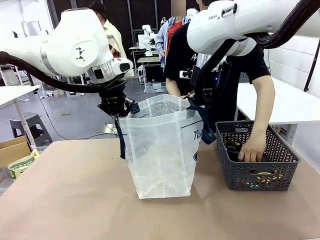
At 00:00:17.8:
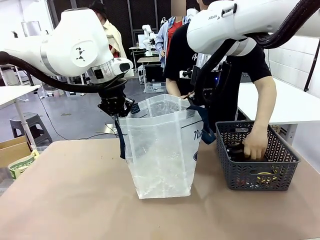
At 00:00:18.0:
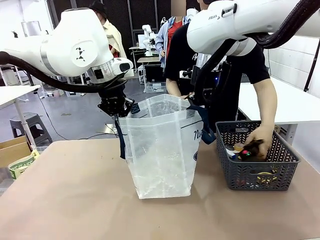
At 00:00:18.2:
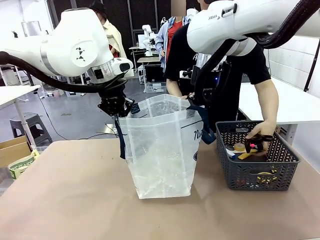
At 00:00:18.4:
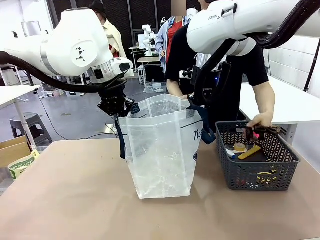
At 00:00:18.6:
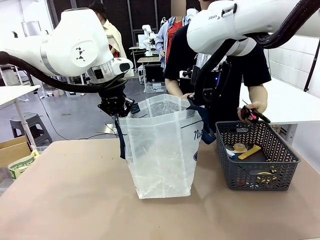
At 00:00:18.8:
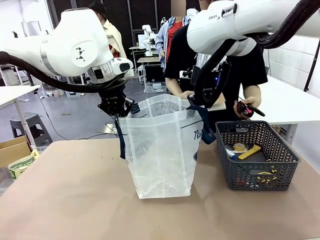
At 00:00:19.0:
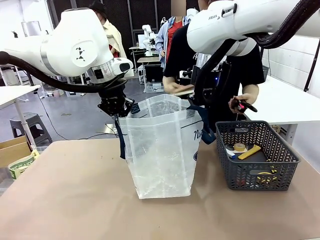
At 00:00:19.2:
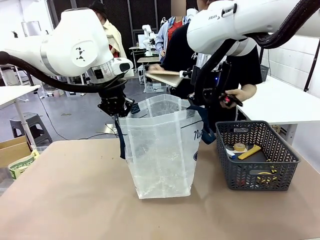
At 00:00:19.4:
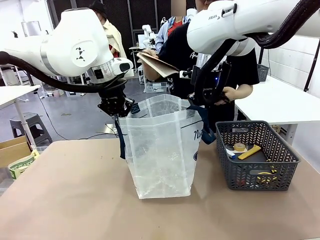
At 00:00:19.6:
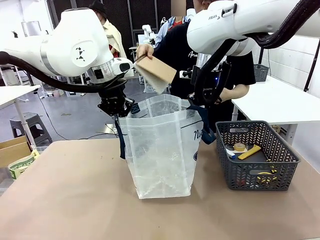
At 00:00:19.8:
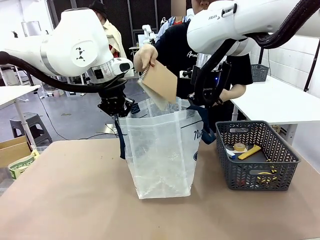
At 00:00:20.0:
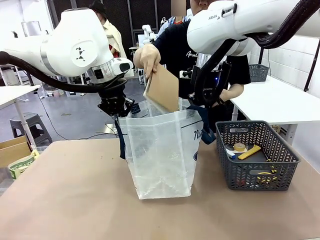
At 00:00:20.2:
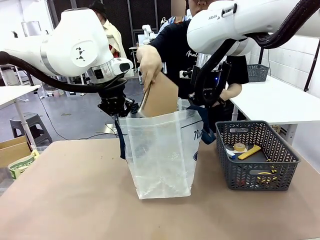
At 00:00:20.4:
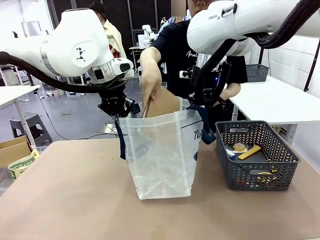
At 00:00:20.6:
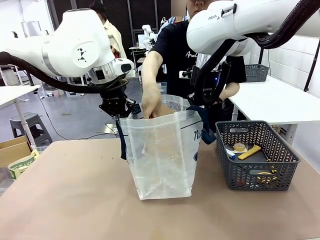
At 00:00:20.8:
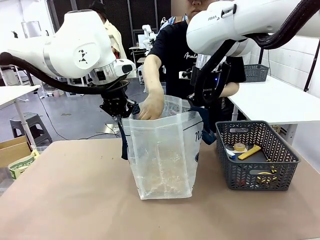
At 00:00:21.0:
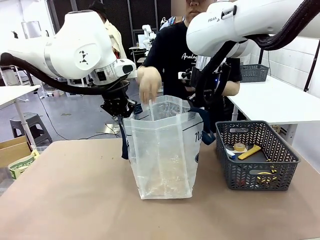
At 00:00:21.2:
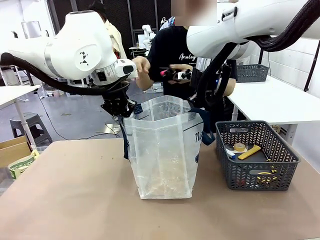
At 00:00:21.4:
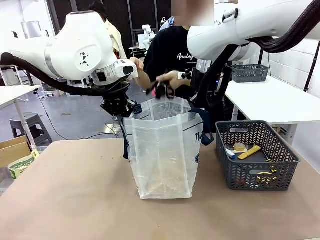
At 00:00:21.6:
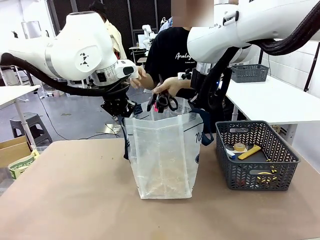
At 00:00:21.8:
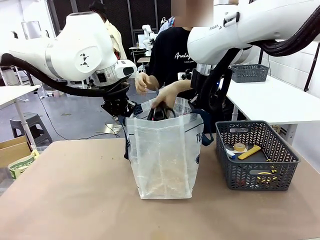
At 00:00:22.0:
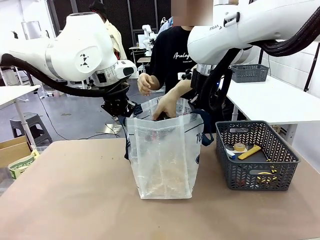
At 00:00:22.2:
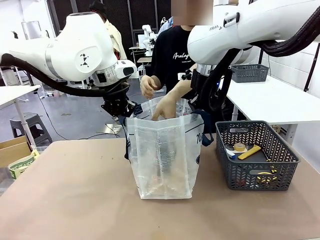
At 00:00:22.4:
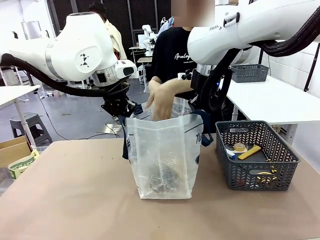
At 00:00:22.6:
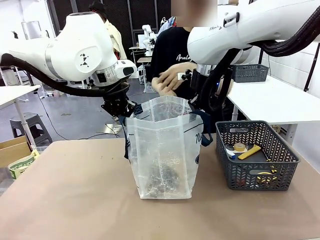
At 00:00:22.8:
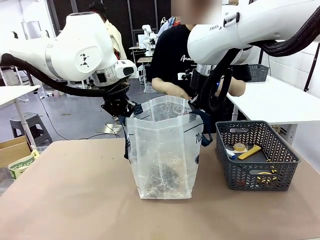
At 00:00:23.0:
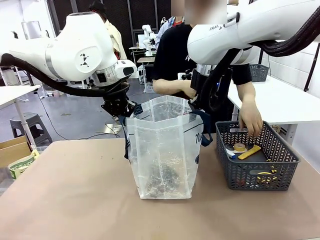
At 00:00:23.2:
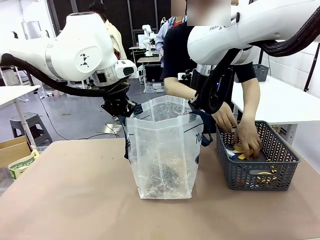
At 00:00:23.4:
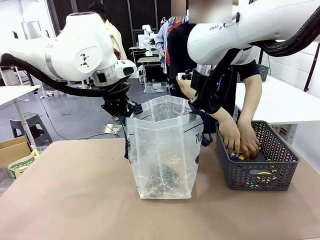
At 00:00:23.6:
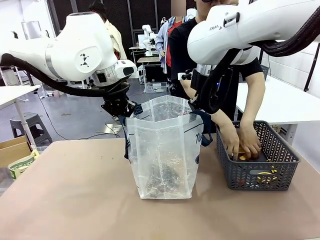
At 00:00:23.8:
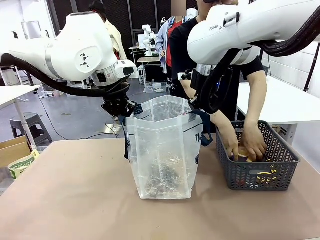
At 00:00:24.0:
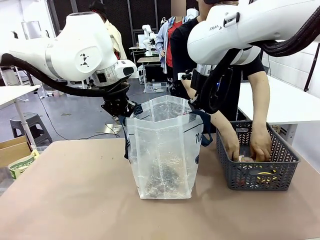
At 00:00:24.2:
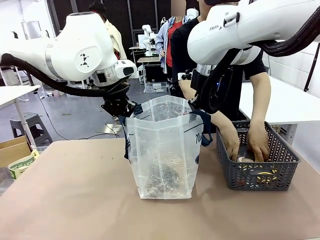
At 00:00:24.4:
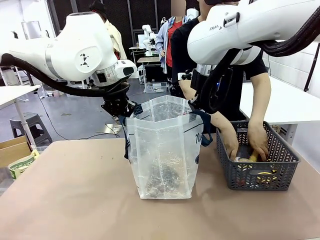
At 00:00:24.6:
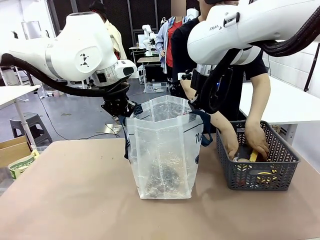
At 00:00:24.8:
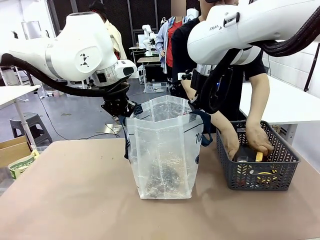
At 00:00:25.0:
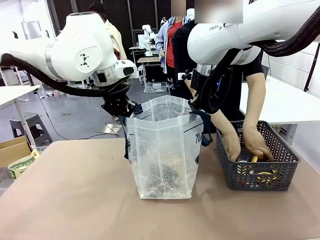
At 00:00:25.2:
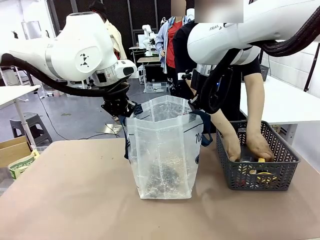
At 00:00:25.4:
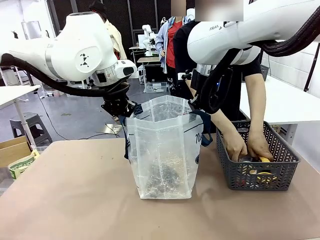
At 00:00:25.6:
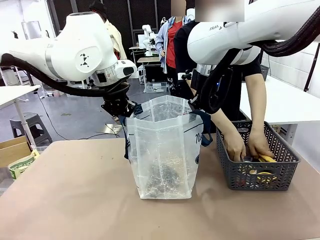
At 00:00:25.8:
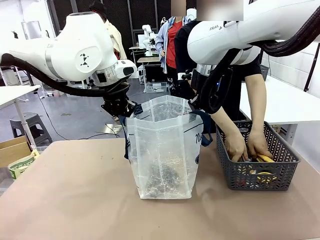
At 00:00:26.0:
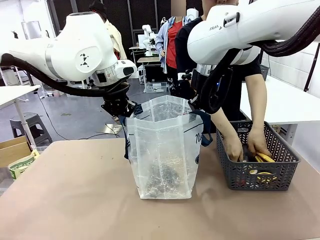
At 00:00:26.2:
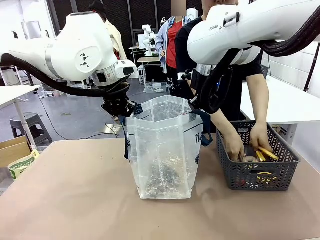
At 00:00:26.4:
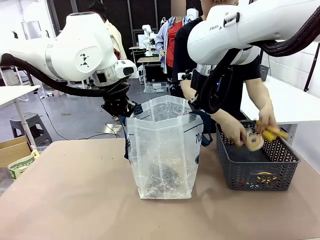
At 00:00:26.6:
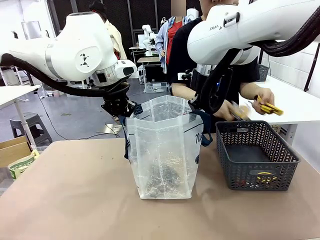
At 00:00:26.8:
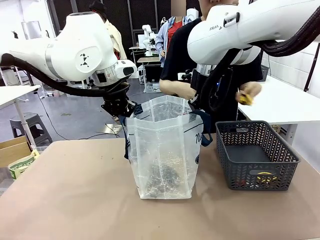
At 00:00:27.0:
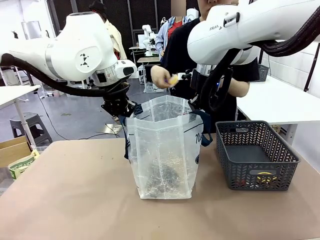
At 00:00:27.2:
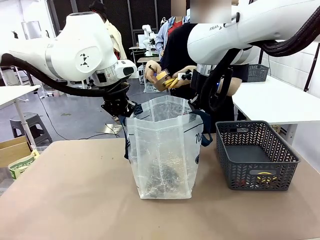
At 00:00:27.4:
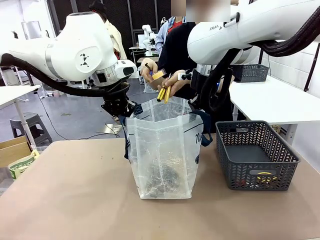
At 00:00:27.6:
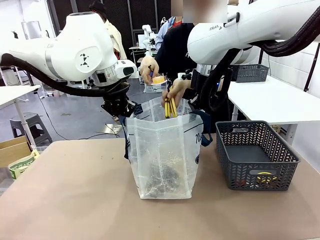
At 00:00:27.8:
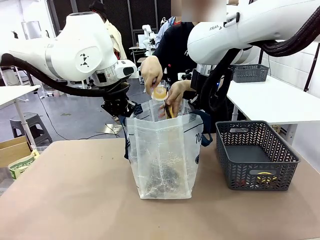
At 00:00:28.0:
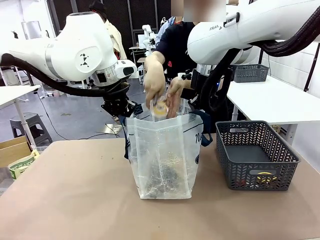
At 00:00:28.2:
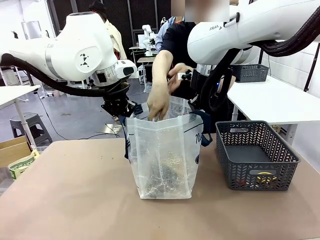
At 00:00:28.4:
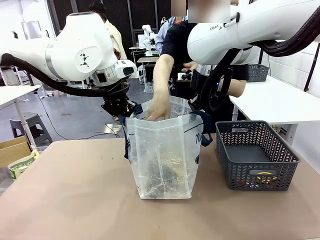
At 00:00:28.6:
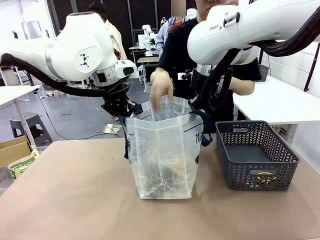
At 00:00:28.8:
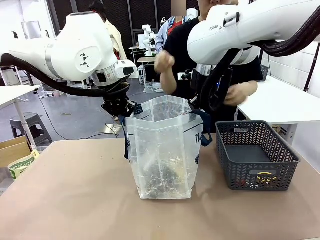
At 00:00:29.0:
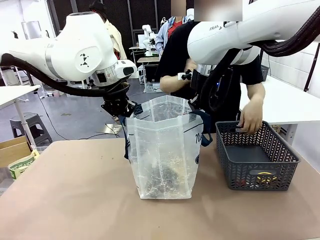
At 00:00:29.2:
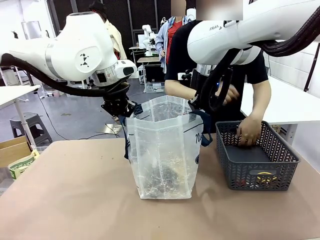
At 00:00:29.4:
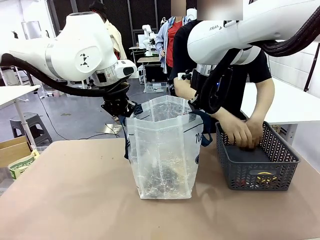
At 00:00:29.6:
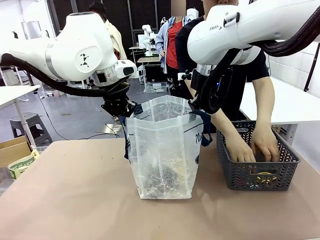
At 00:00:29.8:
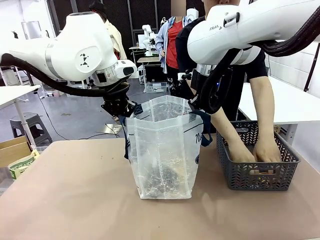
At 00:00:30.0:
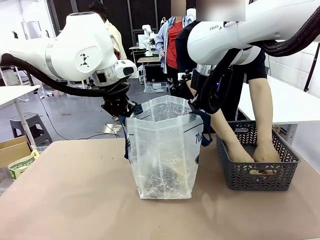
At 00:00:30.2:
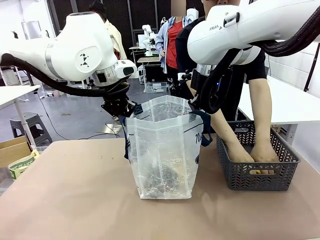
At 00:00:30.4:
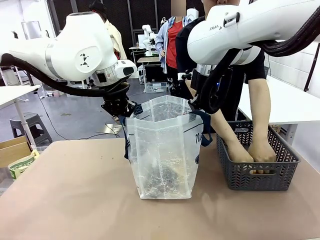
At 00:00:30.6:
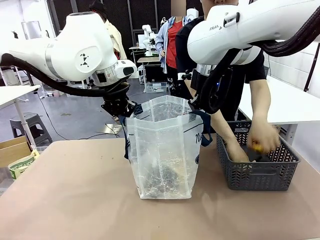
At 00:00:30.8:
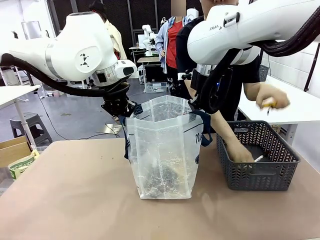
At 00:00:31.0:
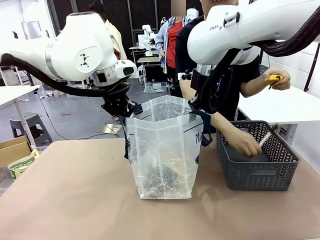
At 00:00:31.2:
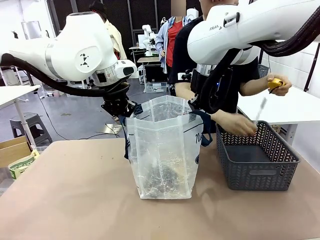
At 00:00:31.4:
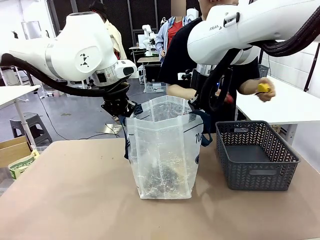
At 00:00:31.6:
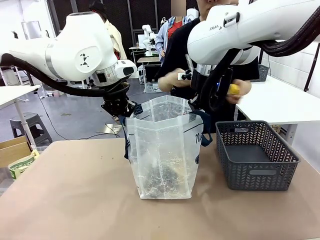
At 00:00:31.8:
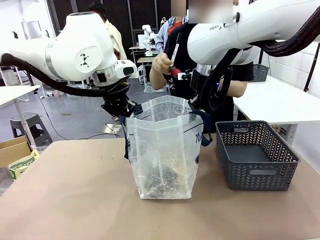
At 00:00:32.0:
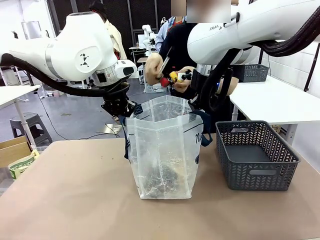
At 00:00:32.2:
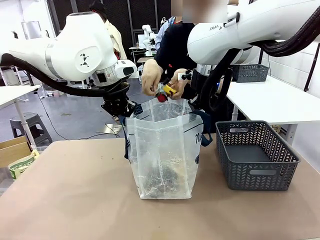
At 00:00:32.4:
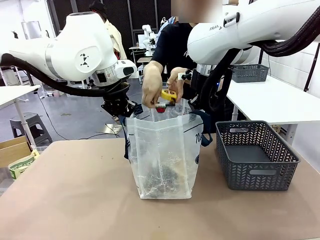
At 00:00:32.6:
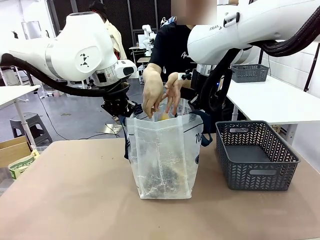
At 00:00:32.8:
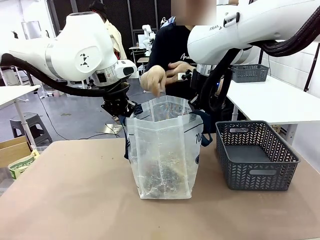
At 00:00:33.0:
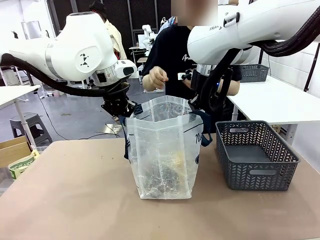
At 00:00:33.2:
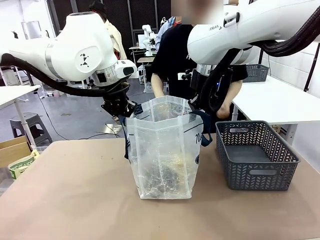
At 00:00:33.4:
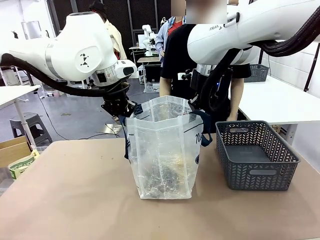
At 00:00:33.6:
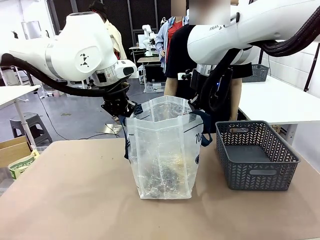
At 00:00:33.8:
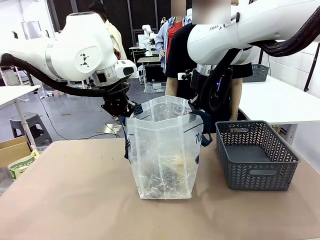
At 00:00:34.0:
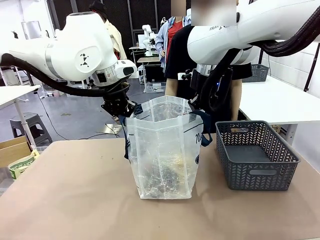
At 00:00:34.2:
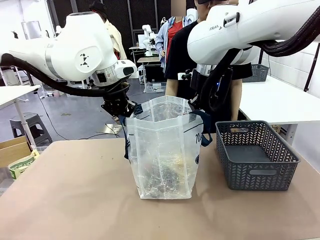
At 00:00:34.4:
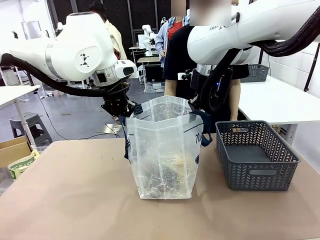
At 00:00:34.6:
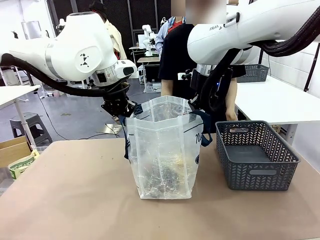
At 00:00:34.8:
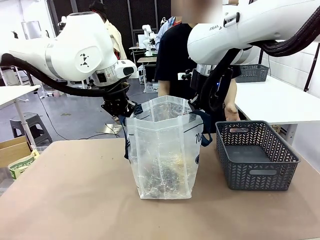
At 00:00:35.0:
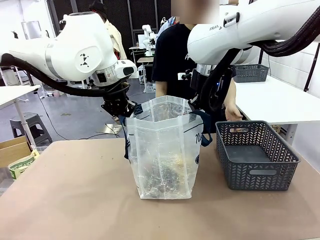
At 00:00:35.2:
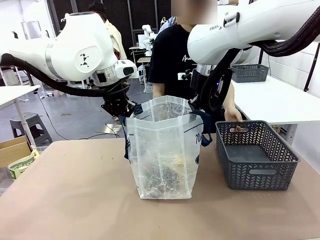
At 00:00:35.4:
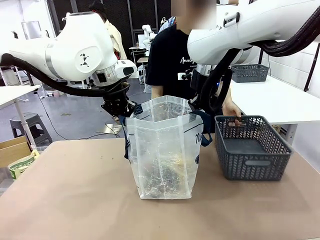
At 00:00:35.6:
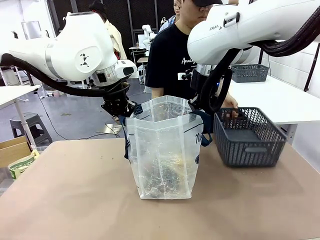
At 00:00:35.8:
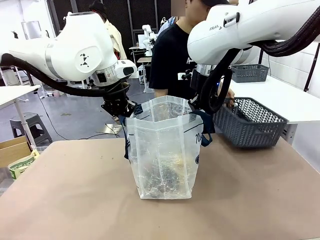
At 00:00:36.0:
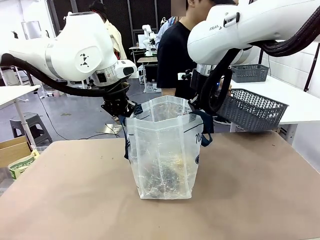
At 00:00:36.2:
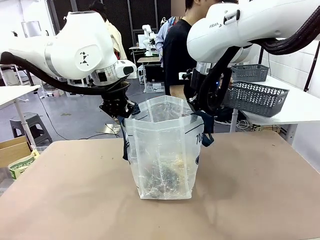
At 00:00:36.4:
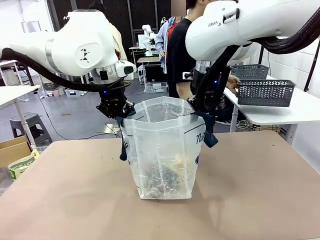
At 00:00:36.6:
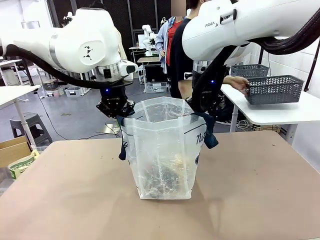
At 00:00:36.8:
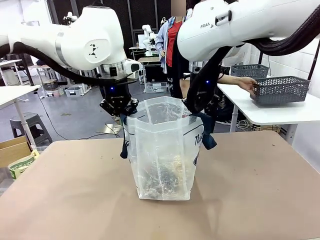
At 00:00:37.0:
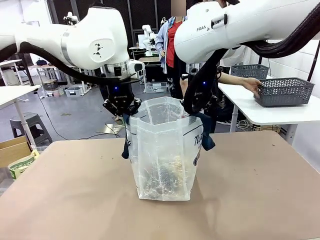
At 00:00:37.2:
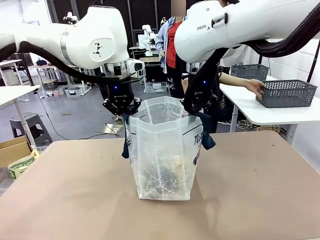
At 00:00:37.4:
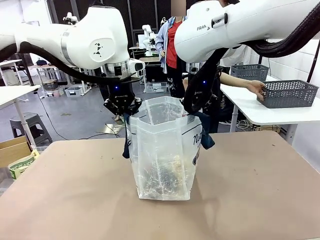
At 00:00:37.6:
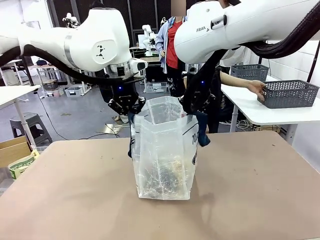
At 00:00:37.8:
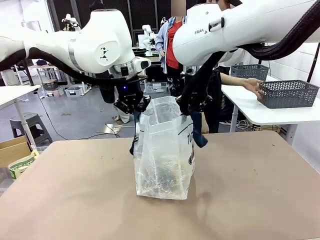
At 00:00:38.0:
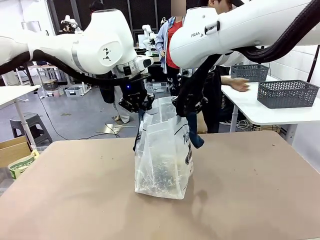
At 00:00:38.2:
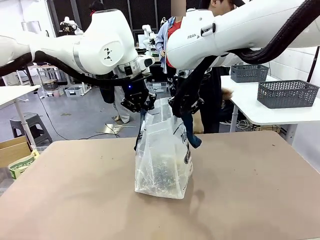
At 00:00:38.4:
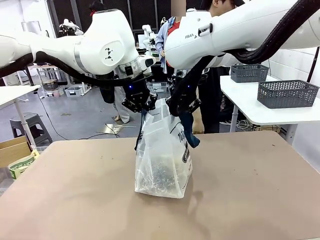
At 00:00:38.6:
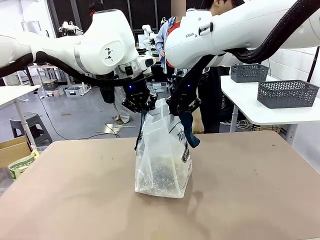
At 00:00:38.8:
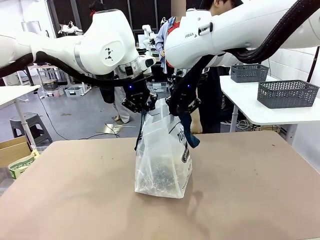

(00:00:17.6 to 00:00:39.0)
Task: Transfer purchased items from the store into the shopping bag.
Robot: Move the Reusable shopping bag to the right side of the table.
Person: Pick up the basket on the right, place it on the left side of the robot table, and move the items in the basket to the shopping bag. Pick up the basket with the items out and place it on the right side of the human table.
